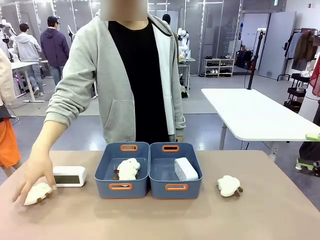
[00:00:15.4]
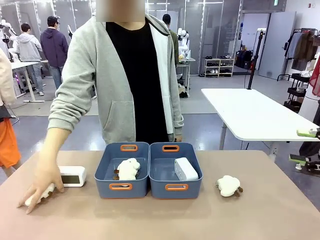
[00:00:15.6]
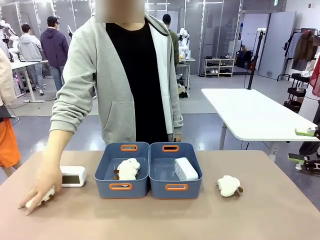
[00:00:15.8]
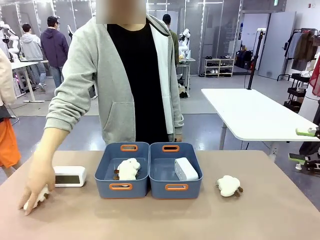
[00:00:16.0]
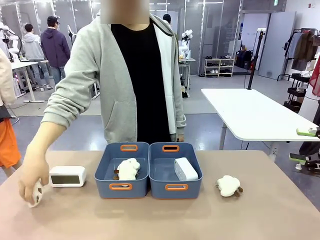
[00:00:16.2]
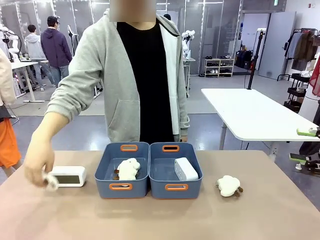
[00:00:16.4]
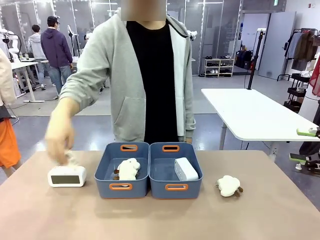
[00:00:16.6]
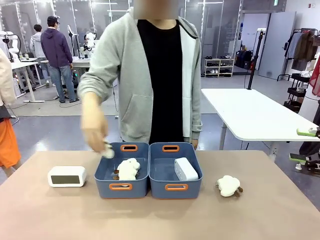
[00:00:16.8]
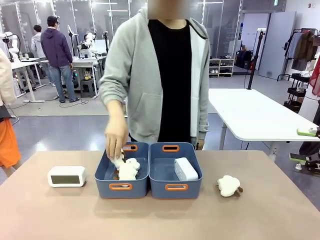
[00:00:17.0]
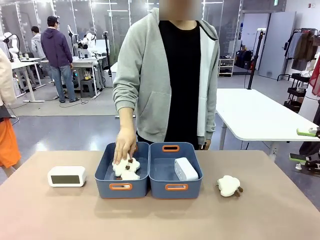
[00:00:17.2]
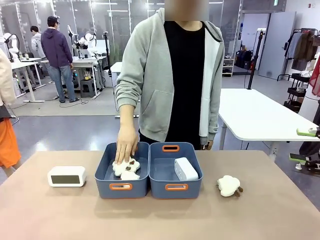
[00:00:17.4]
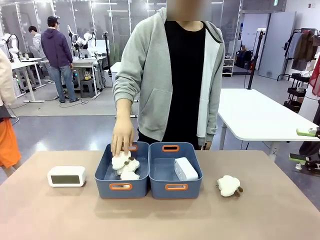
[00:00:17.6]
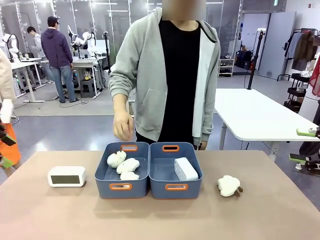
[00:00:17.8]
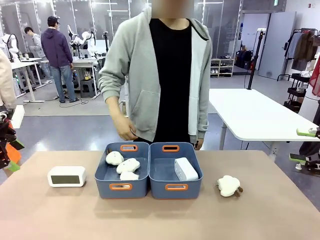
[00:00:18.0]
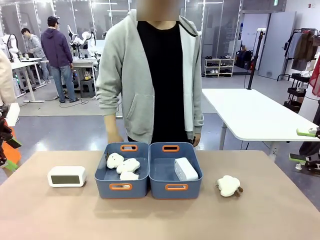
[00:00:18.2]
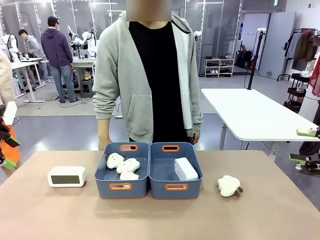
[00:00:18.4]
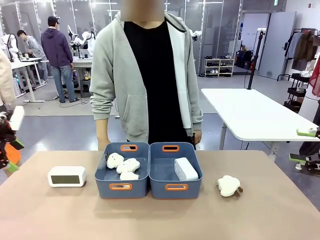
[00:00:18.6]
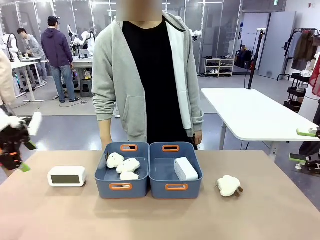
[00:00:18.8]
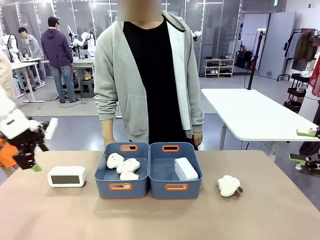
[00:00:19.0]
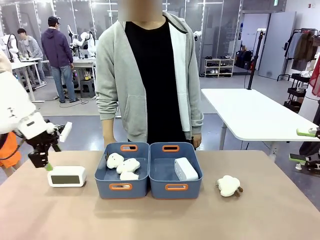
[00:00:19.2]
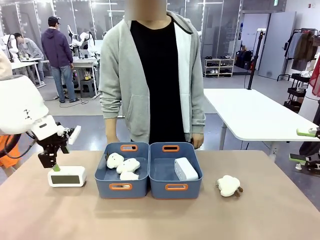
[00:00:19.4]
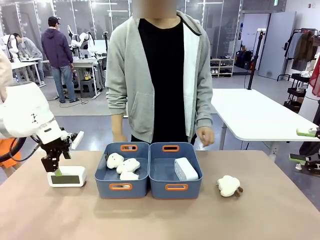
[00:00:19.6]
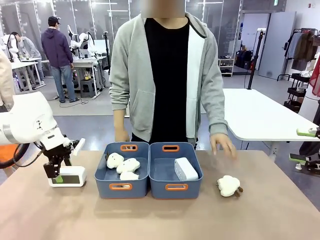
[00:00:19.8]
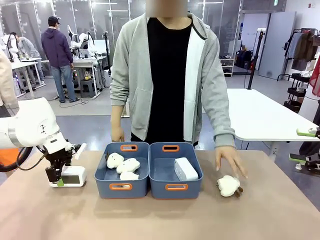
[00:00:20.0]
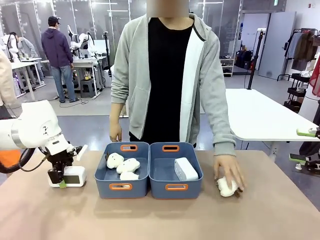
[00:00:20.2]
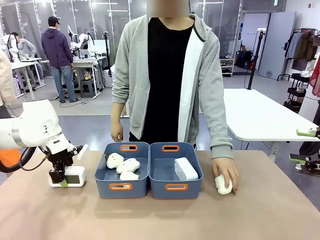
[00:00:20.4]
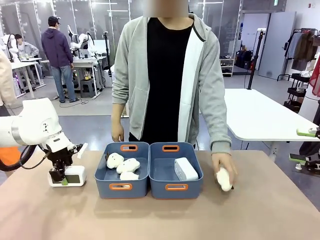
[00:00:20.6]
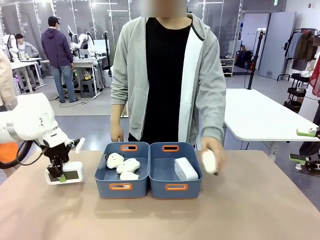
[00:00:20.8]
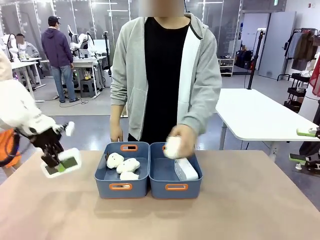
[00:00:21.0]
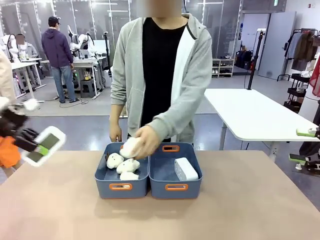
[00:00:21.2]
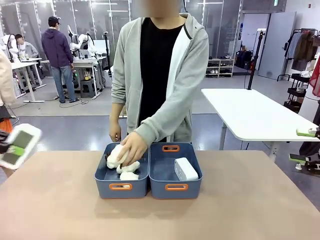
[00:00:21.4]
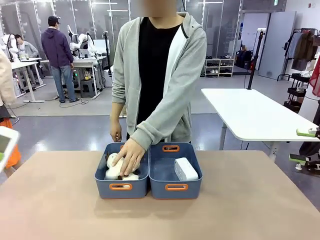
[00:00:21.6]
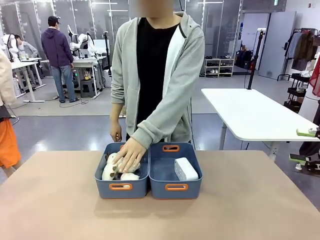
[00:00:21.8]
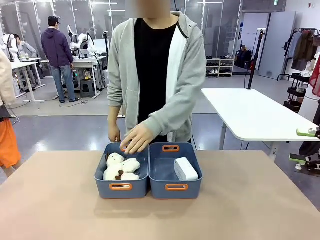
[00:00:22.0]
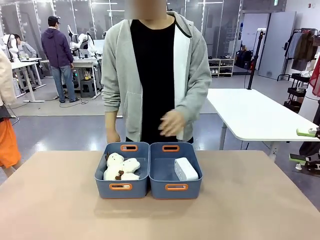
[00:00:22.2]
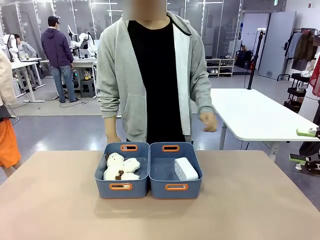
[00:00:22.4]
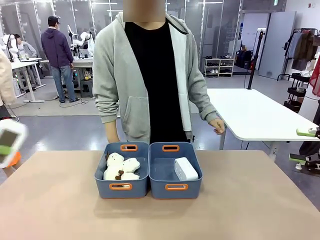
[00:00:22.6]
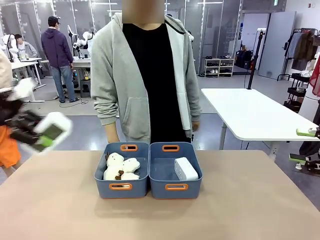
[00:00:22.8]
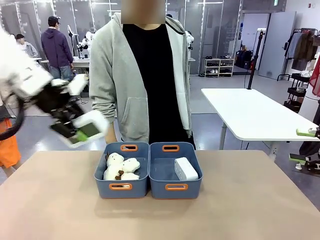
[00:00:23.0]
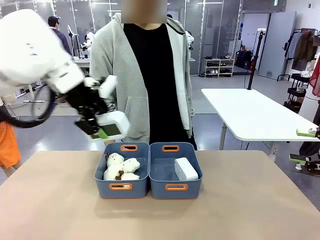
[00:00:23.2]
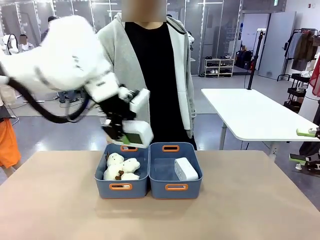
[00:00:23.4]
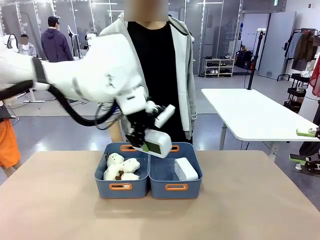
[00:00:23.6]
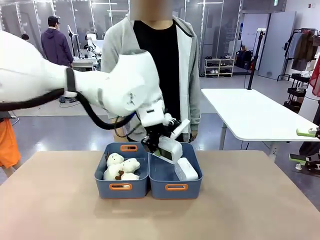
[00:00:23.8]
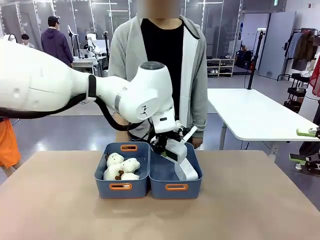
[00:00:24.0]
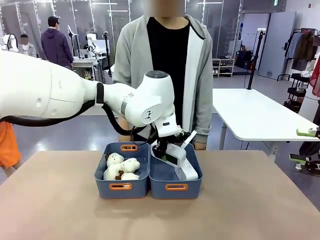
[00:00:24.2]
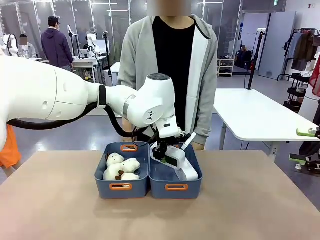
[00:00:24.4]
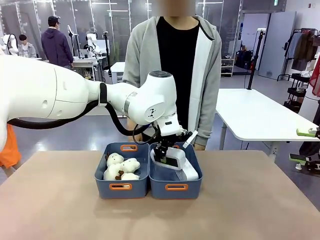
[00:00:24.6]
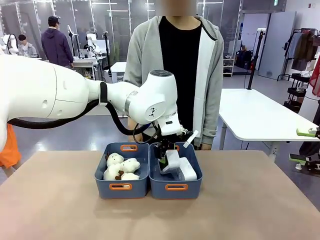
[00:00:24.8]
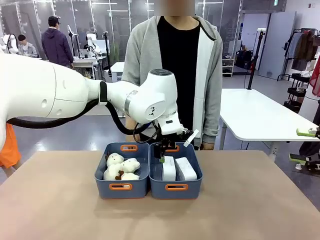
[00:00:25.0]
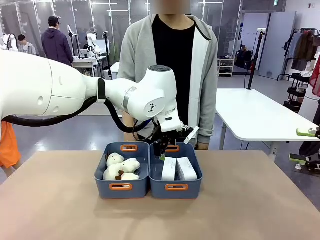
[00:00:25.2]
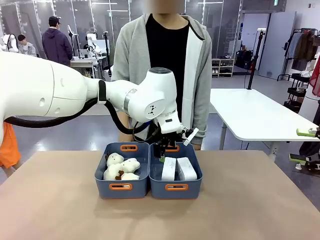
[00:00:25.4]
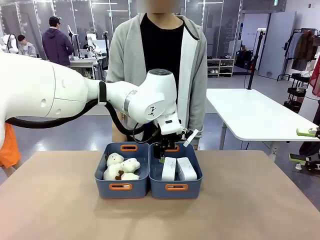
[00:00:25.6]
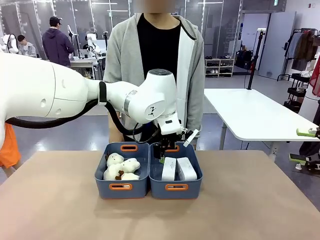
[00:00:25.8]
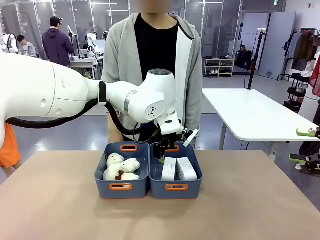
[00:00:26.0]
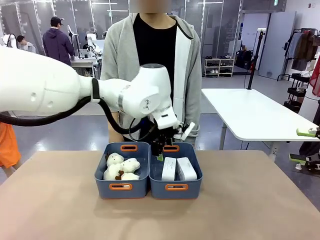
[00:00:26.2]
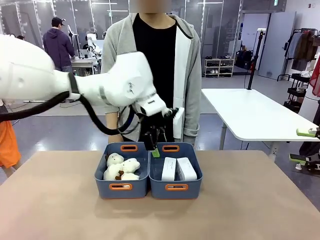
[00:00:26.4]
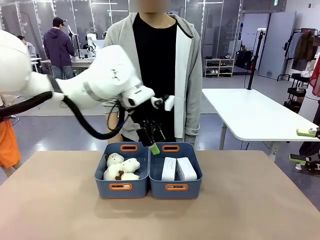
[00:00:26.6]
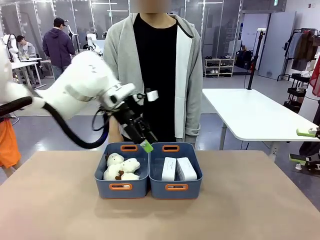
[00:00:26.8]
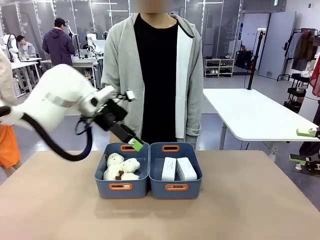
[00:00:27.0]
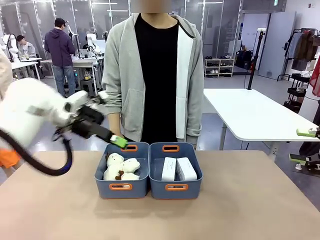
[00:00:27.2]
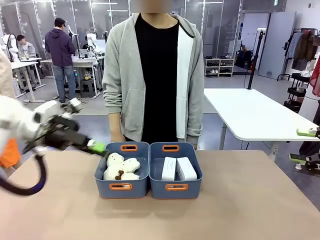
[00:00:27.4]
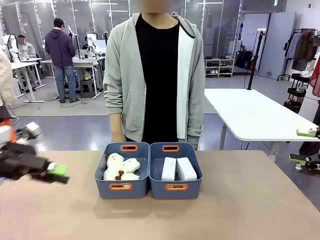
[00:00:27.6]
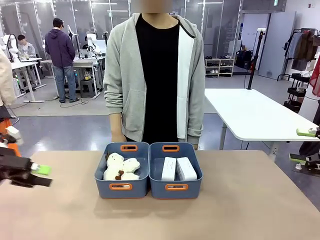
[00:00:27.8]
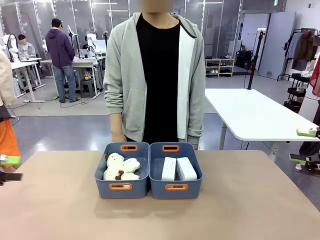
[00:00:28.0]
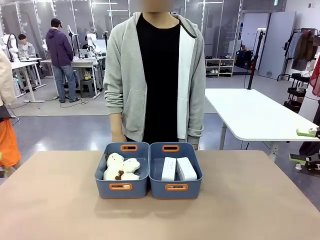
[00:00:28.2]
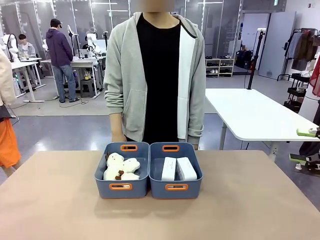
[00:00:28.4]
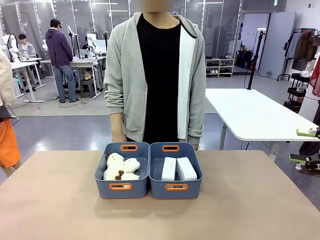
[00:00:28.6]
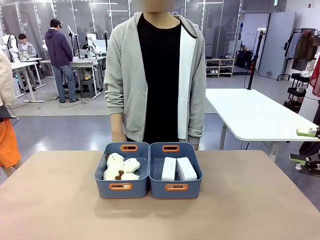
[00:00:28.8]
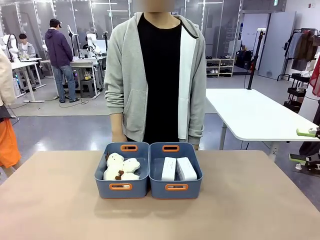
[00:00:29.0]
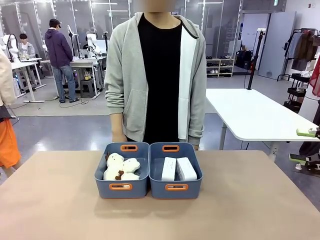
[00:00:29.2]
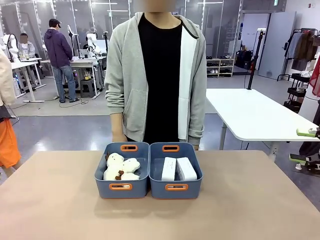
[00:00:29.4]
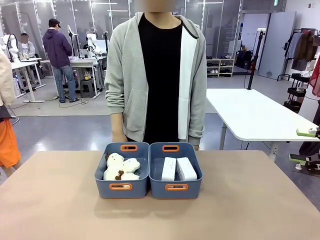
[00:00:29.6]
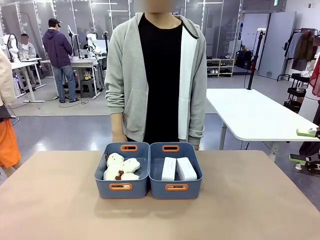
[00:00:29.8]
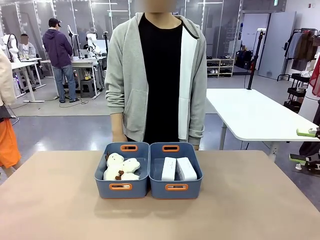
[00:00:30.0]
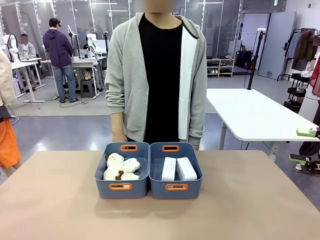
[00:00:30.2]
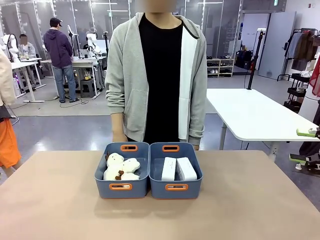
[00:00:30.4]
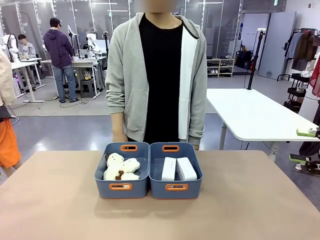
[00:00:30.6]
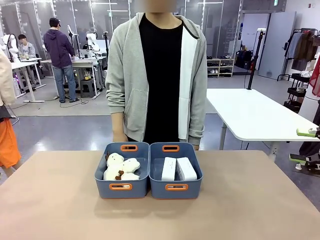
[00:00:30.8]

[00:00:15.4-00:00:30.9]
Task: Sort the digital clocks into the basket.
Robot: Pick up the Digital clock from the table and place it into the empty Plastic storage basket.
Person: Pick up a plush toy from the table and place it in the plastic storage basket containing the plush toy.

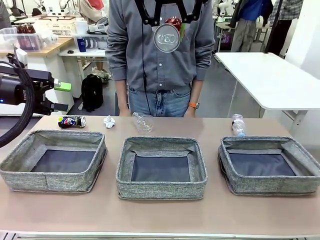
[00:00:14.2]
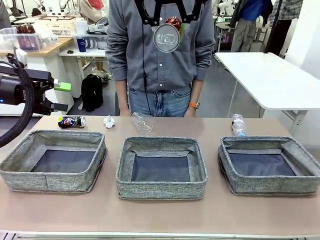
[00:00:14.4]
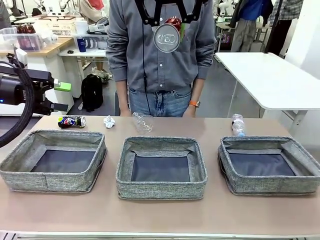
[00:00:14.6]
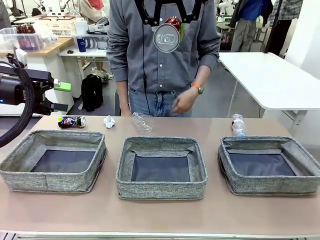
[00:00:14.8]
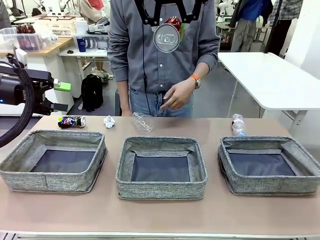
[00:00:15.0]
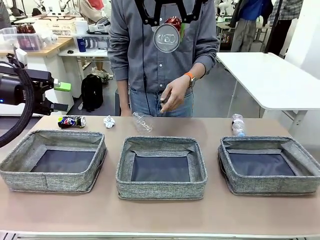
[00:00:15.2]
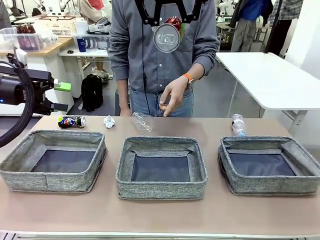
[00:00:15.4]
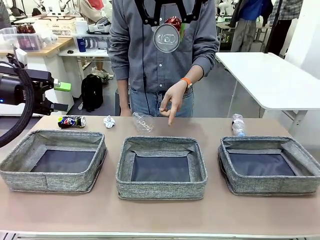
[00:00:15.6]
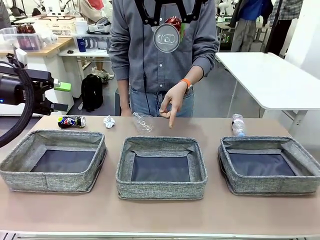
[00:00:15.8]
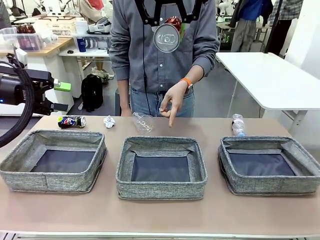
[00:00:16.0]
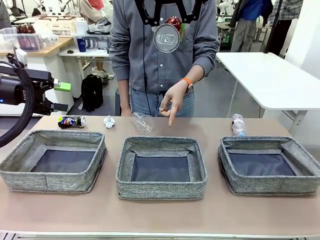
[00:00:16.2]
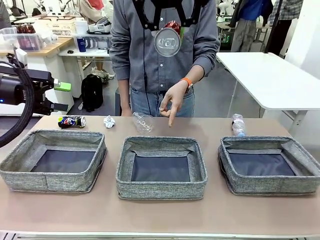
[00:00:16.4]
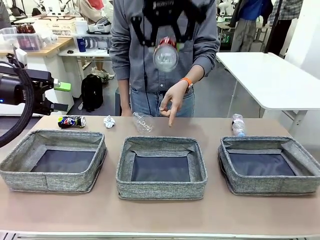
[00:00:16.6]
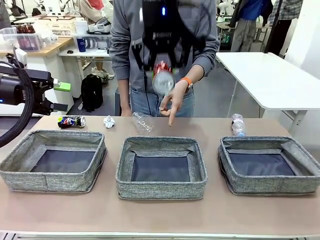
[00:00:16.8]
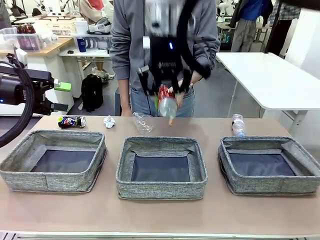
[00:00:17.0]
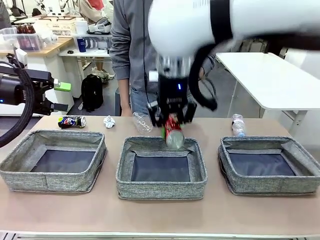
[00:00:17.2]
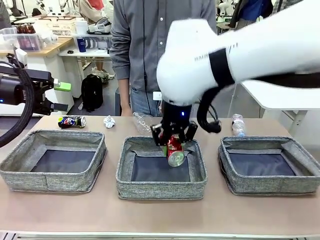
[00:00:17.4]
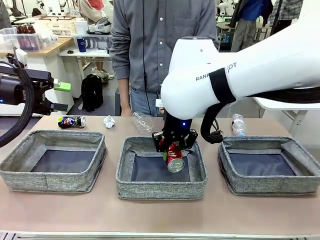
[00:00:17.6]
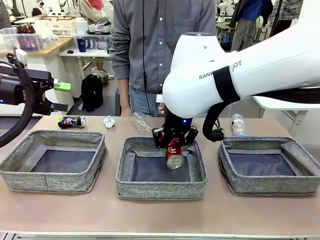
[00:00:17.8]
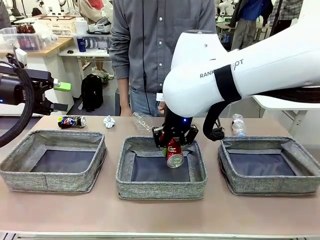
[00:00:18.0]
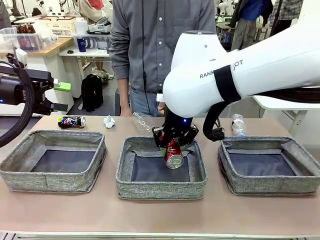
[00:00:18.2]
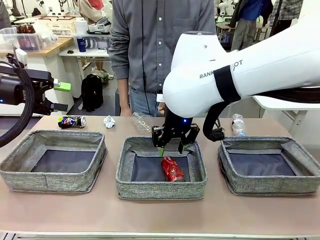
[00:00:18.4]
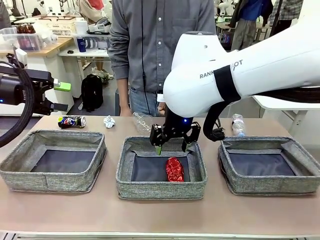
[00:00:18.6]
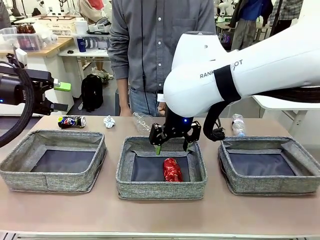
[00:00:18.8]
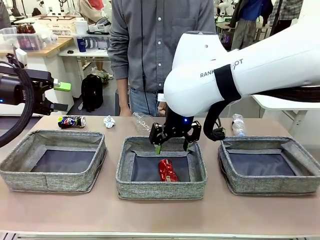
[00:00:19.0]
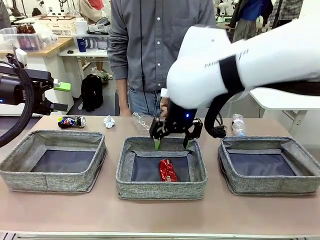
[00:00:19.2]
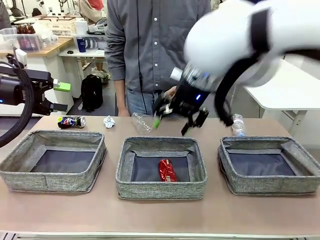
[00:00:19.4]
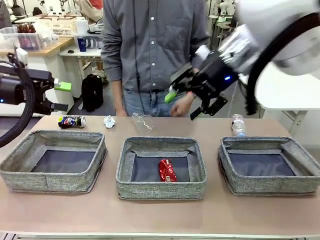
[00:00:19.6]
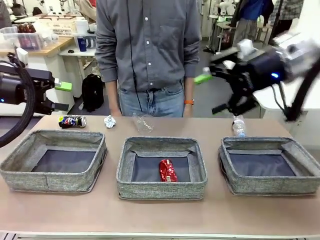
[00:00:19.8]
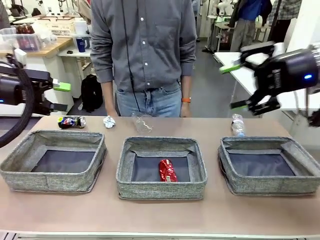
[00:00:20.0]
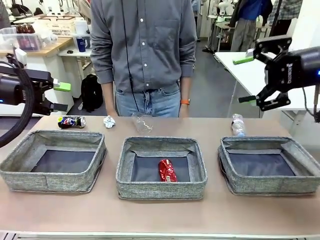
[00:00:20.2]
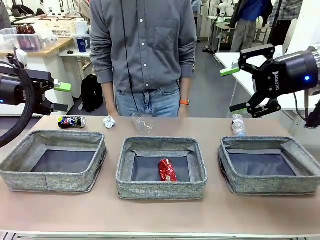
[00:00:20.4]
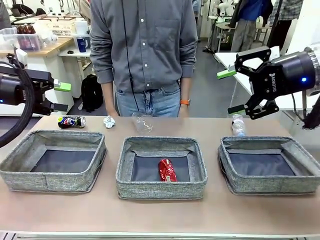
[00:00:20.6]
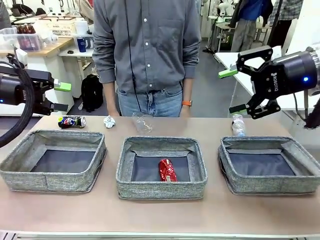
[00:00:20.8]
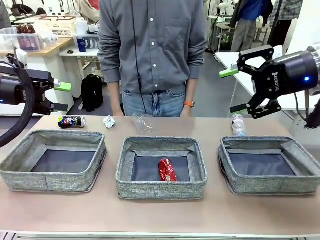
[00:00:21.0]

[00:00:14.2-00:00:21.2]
Task: Sort the waste into the appropriate baskets.
Robot: Place the picked waste into the Fabric basket indicated by the person.
Person: Instructs the robot to place the picked-up trash into the appropriate organizing basket.
